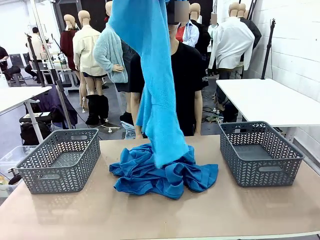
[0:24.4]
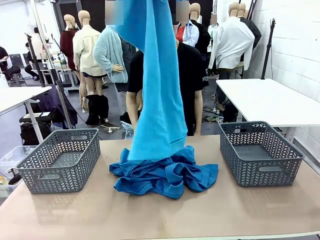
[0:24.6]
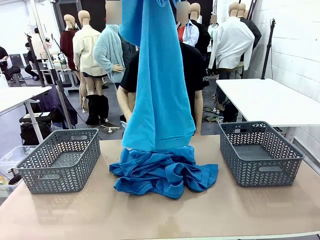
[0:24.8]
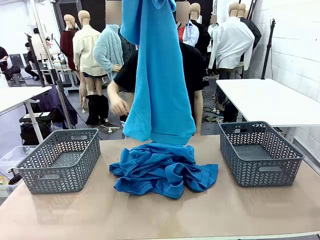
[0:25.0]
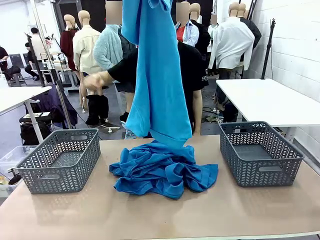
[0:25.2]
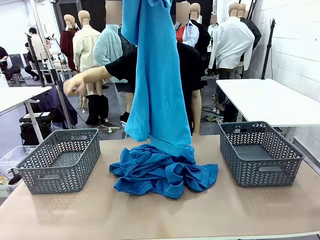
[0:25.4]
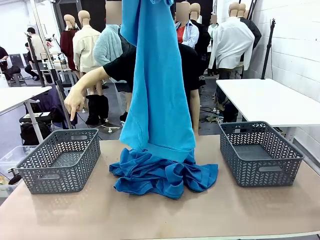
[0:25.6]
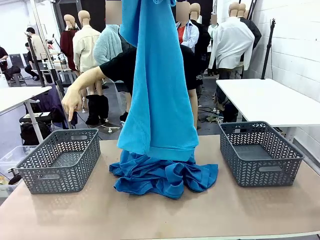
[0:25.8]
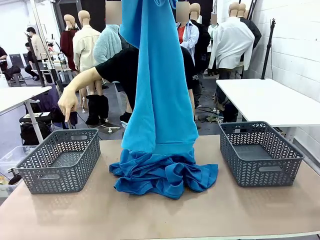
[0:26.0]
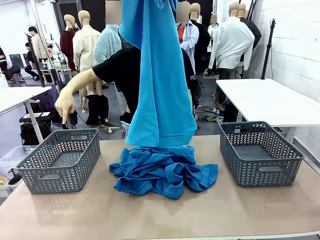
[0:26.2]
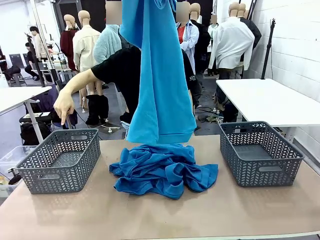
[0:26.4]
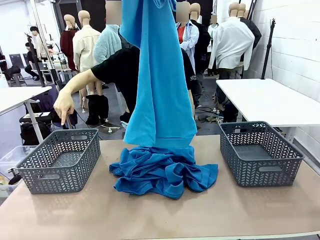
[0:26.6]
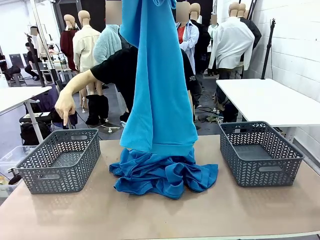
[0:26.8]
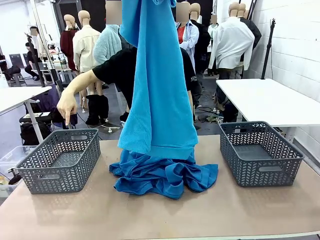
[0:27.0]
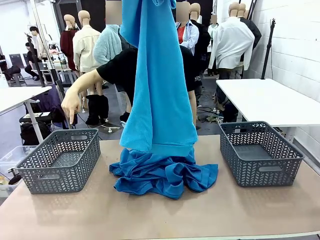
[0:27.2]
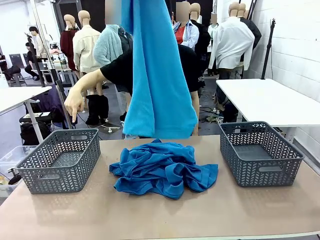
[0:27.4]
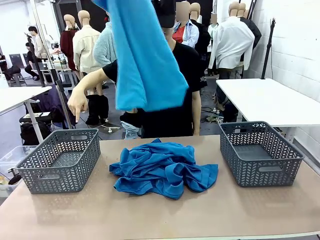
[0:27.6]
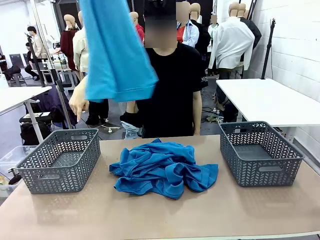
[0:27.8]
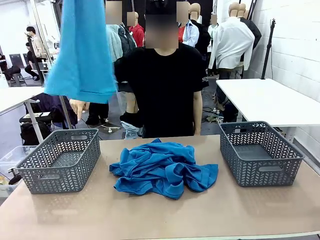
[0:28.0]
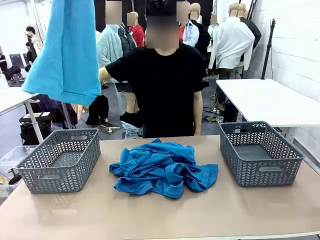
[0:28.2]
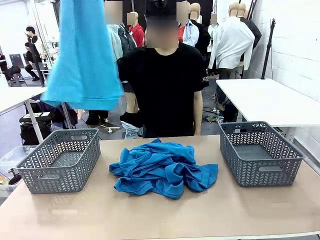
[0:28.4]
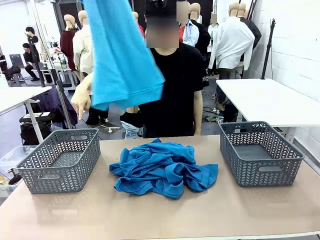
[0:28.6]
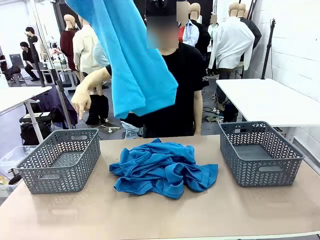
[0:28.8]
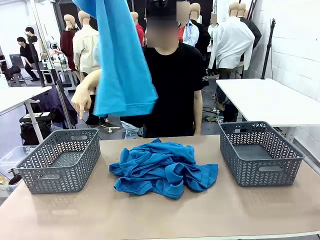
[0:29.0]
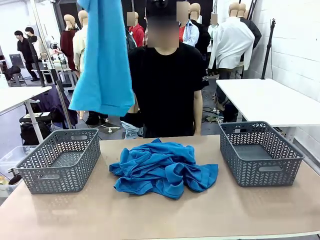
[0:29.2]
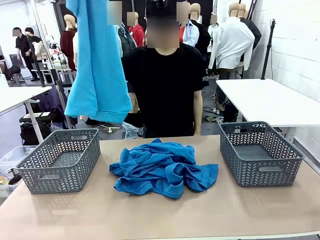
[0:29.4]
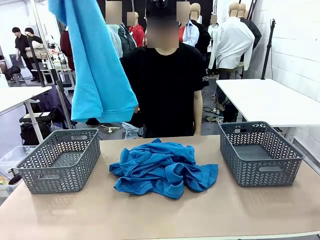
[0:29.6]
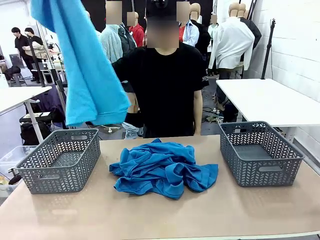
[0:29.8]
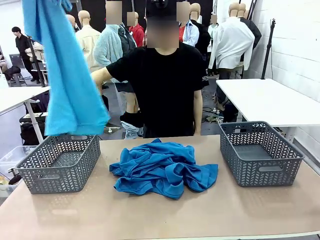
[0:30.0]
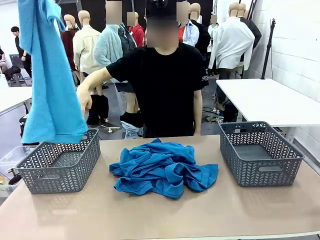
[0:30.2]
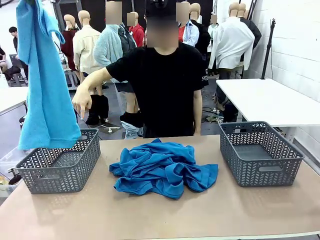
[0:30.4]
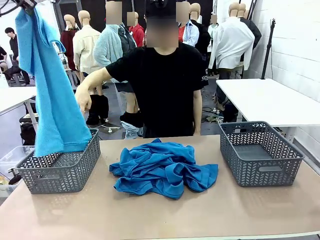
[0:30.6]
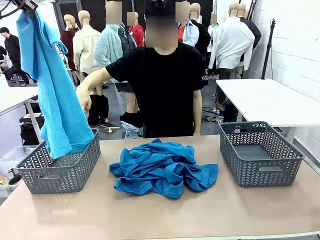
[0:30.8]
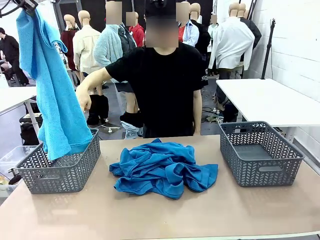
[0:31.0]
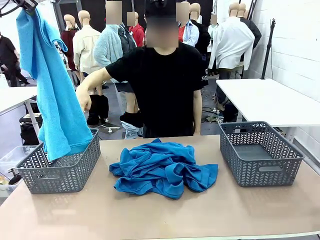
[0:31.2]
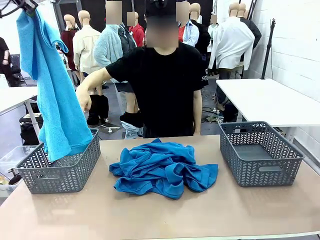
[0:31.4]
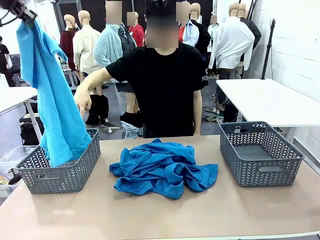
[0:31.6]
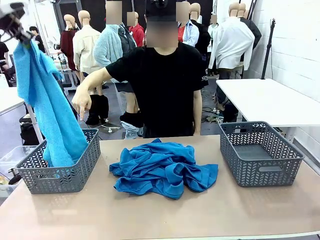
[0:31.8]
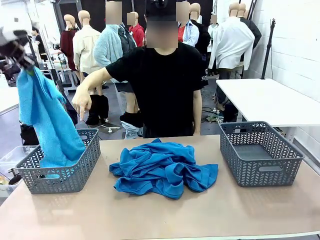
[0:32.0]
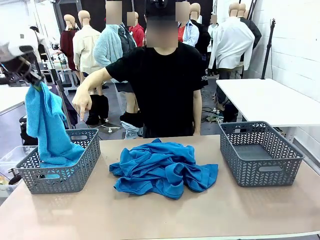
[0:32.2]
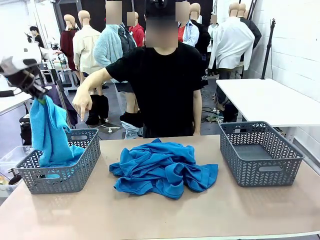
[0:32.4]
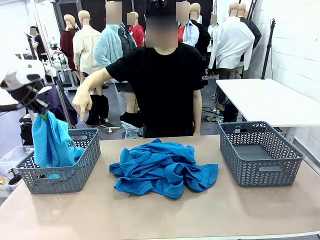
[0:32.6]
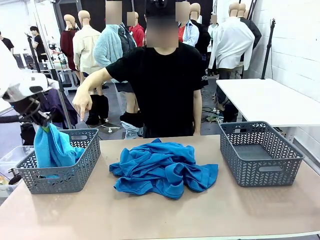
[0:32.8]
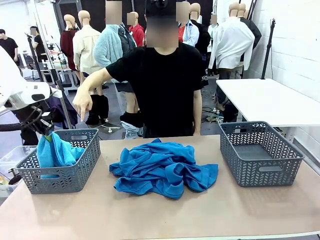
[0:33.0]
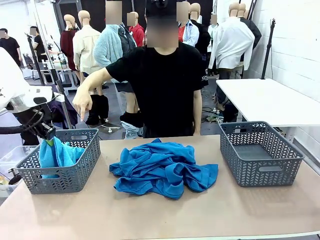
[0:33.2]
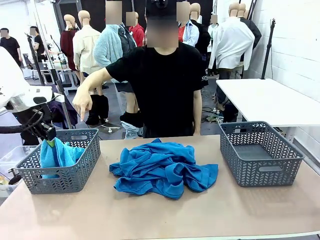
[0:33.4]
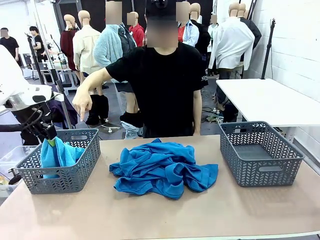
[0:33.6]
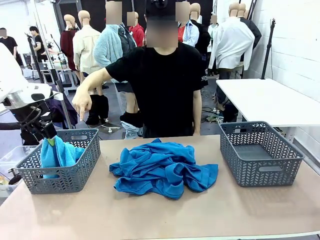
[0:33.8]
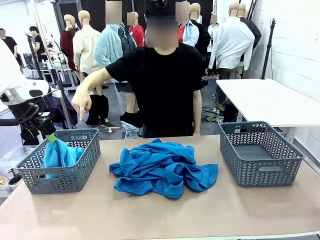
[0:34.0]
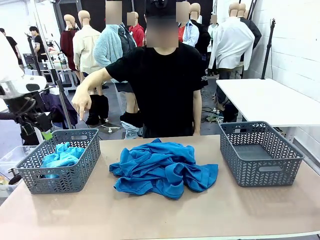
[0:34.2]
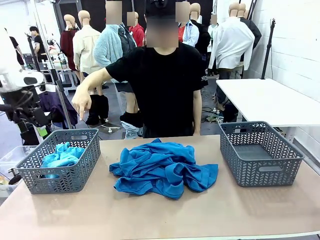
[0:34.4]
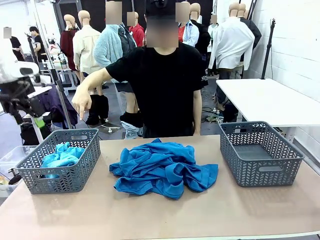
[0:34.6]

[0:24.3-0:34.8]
Task: Sort the tops and bottoms.
Robot: Sort the clothes according to human instructions.

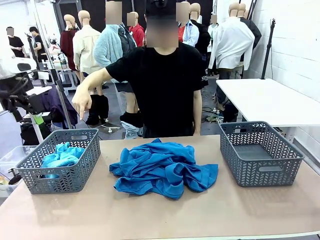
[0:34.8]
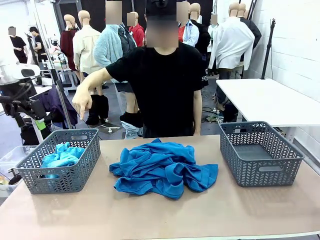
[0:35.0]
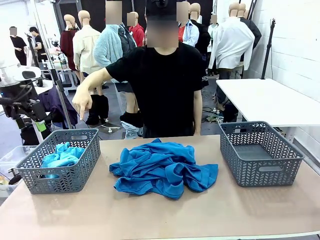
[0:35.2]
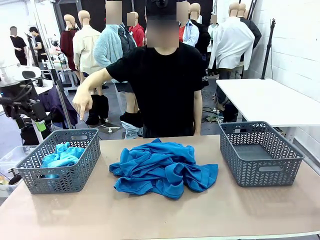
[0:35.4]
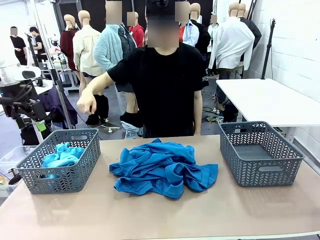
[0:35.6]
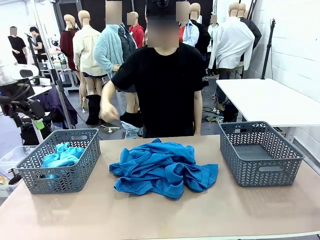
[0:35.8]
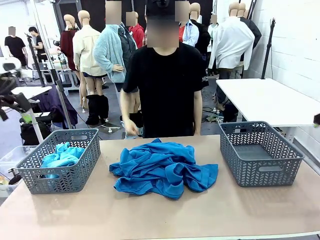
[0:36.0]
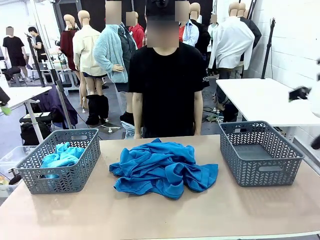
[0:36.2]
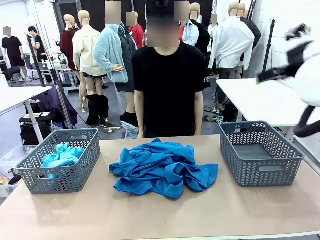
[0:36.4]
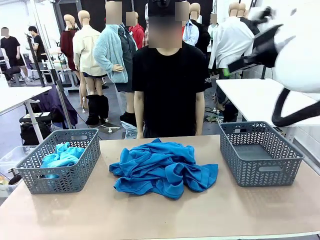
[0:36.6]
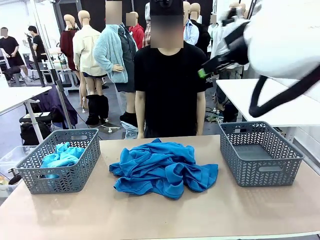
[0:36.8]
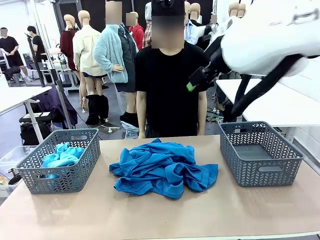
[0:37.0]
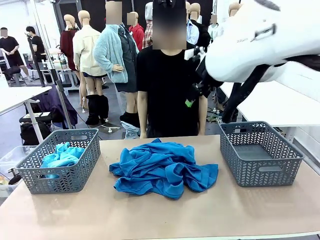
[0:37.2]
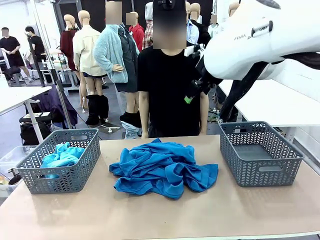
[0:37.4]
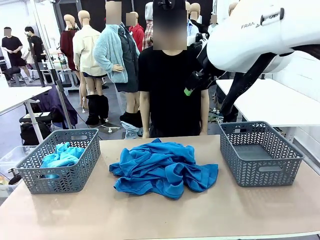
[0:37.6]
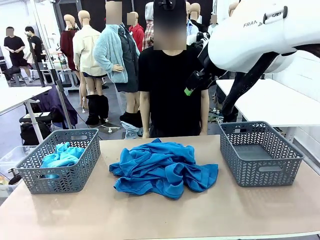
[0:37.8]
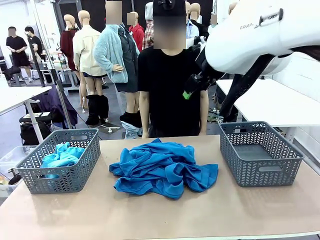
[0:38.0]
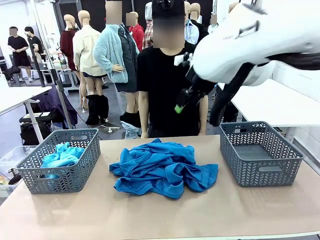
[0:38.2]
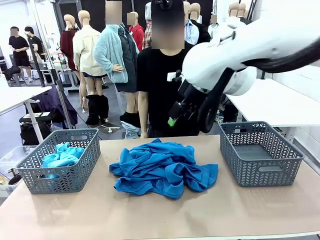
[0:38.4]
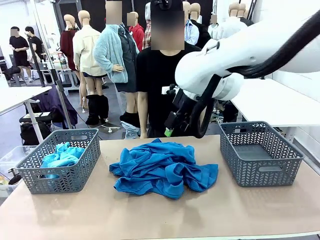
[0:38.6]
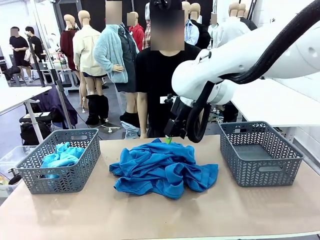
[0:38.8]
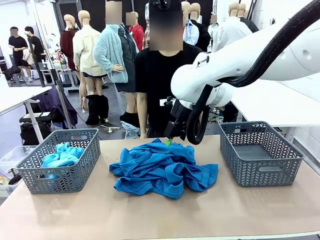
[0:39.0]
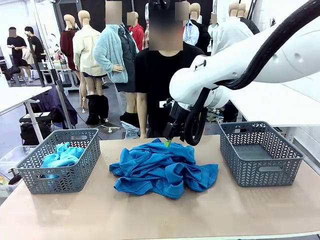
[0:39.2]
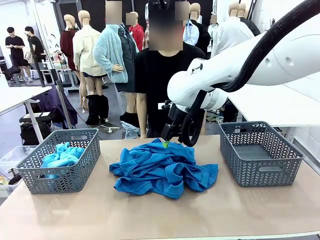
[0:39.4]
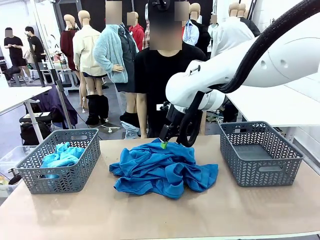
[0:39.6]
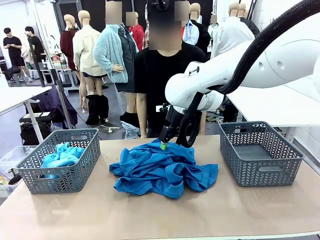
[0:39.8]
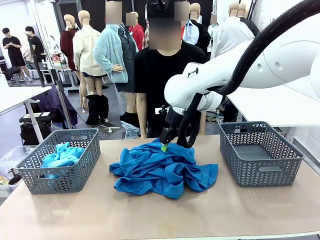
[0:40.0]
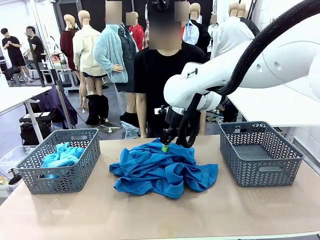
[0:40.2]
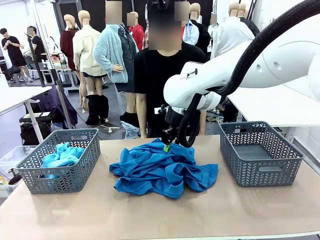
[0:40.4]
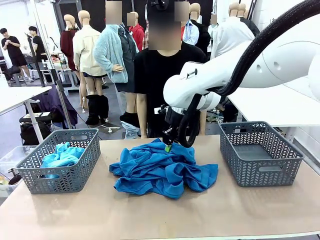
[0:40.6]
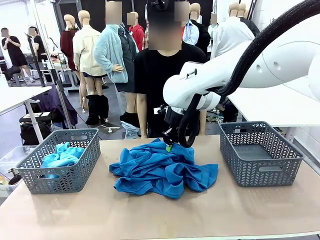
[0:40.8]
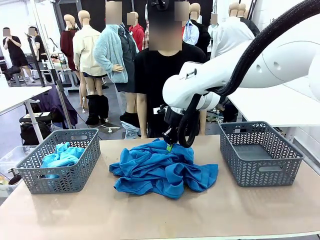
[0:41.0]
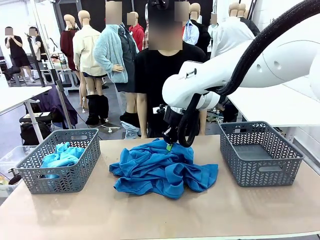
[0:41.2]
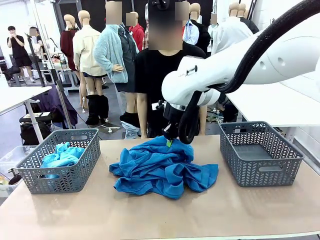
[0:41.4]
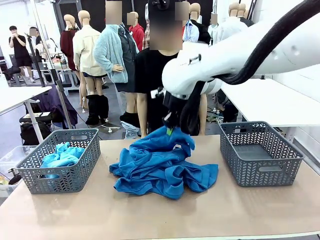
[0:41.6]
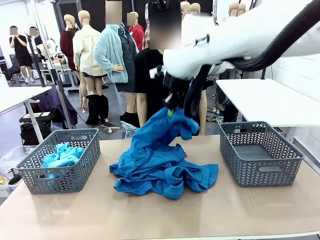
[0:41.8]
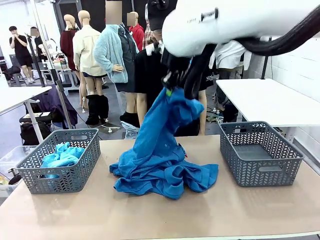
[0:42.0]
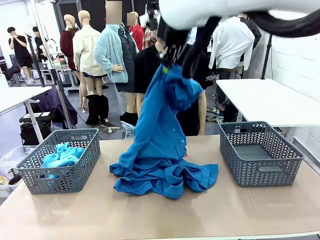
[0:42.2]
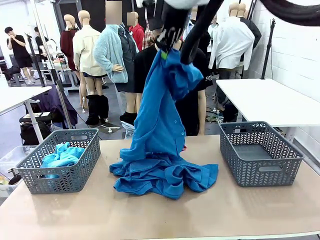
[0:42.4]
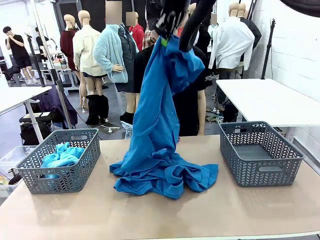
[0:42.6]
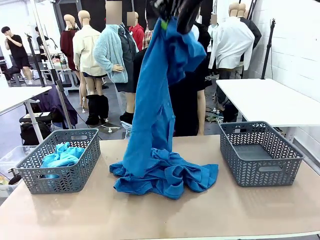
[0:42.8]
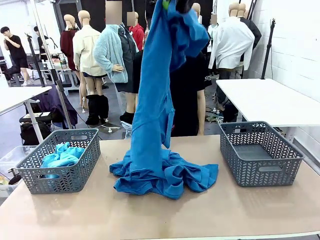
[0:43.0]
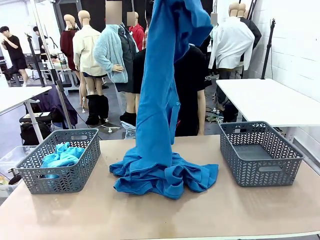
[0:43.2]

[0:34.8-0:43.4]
Robot: Lift clothes from the center of the table with your right hand.
